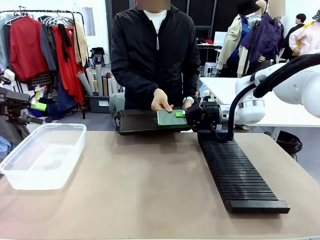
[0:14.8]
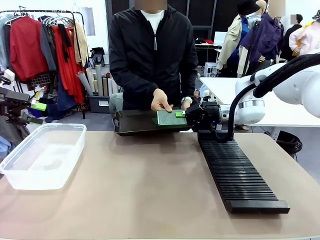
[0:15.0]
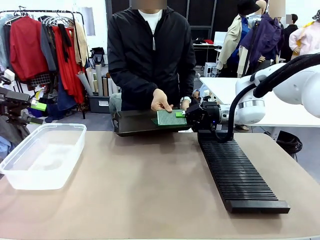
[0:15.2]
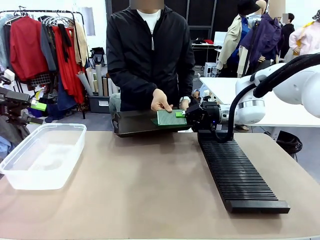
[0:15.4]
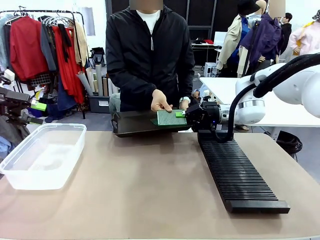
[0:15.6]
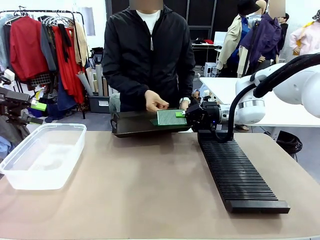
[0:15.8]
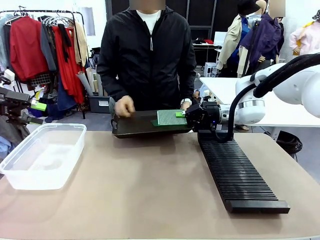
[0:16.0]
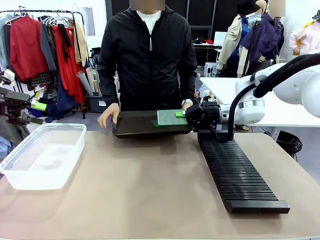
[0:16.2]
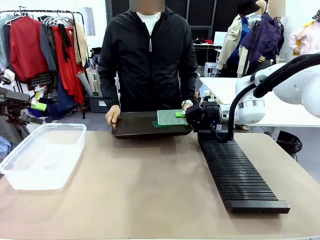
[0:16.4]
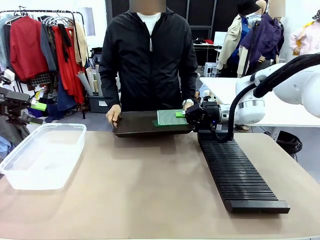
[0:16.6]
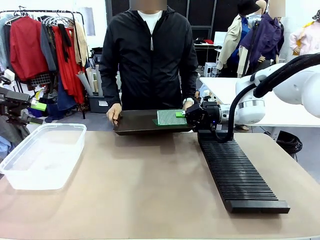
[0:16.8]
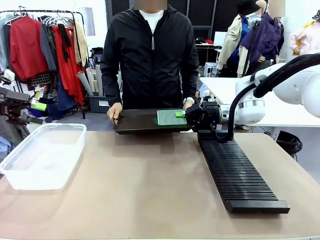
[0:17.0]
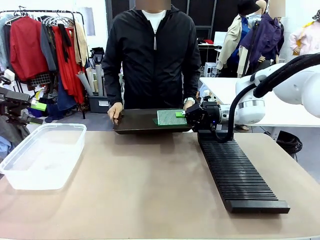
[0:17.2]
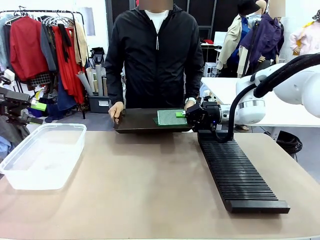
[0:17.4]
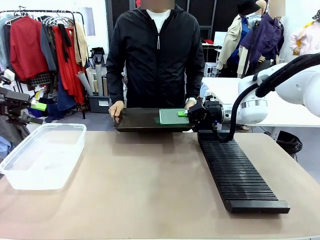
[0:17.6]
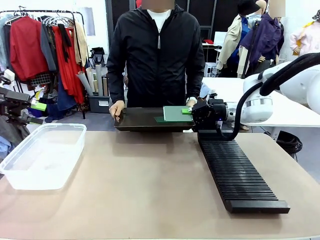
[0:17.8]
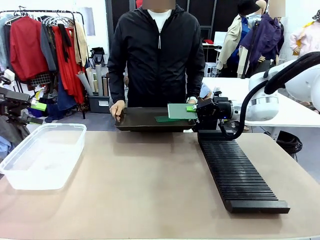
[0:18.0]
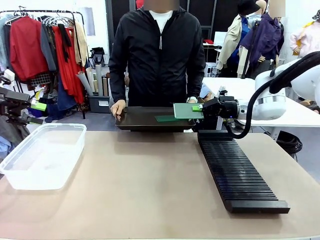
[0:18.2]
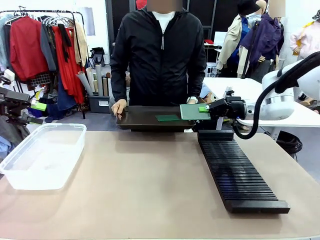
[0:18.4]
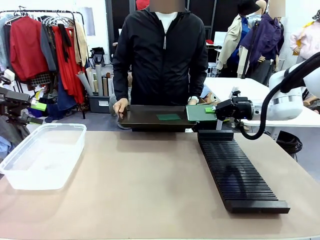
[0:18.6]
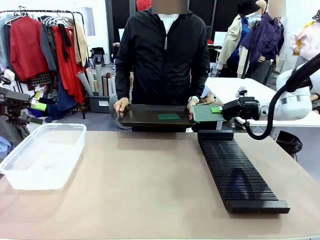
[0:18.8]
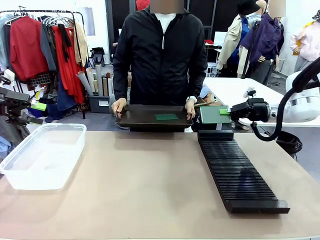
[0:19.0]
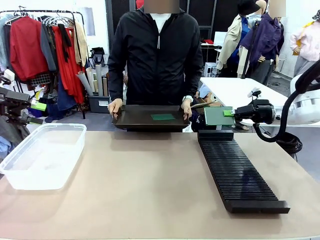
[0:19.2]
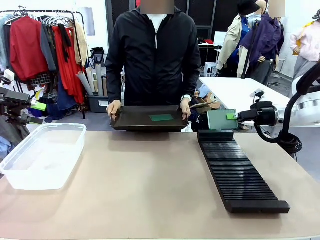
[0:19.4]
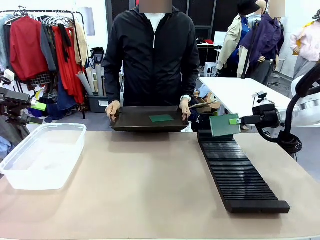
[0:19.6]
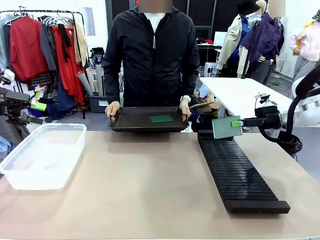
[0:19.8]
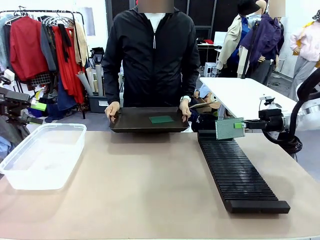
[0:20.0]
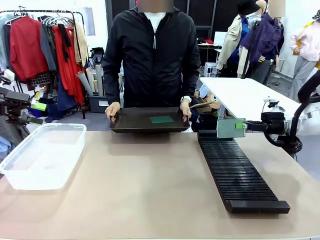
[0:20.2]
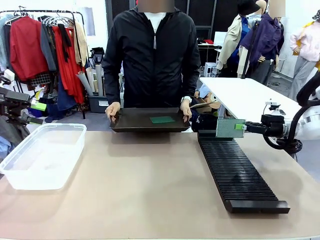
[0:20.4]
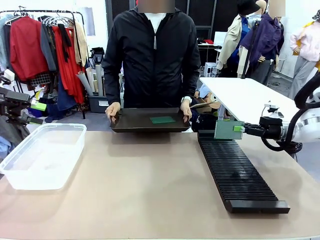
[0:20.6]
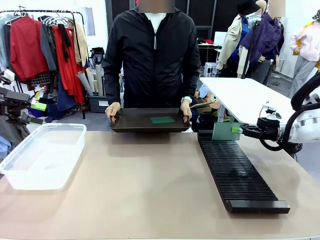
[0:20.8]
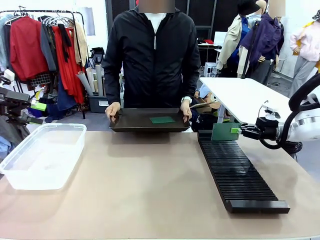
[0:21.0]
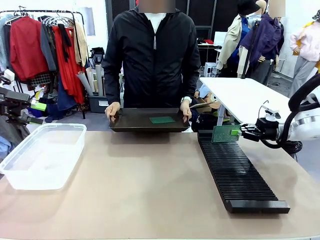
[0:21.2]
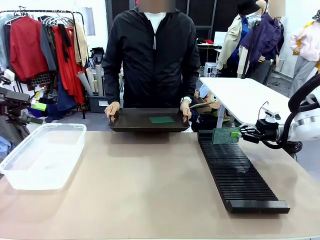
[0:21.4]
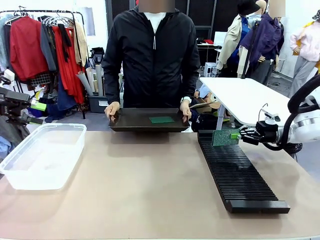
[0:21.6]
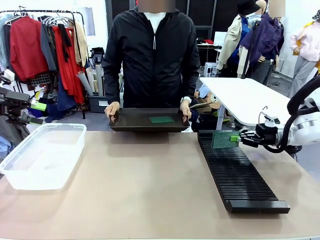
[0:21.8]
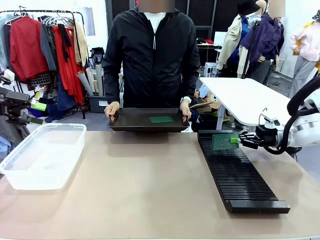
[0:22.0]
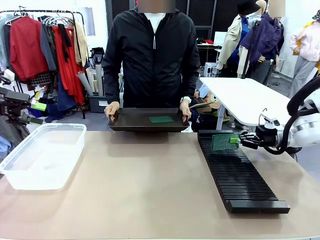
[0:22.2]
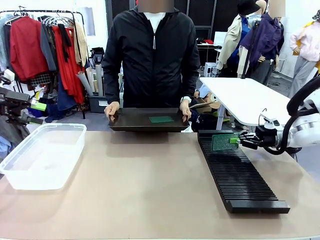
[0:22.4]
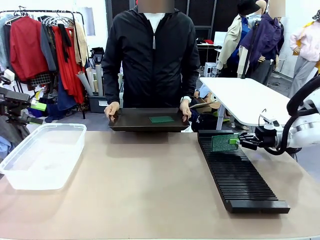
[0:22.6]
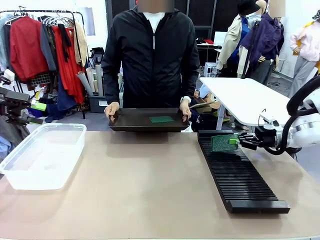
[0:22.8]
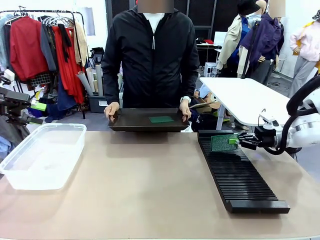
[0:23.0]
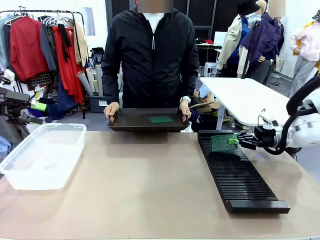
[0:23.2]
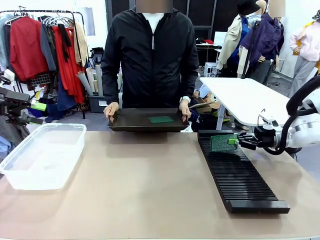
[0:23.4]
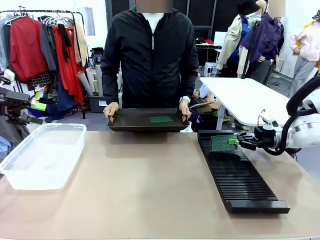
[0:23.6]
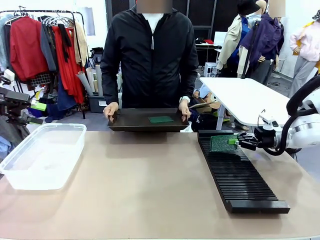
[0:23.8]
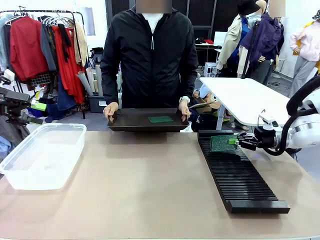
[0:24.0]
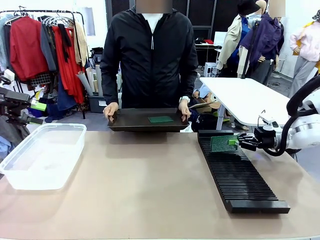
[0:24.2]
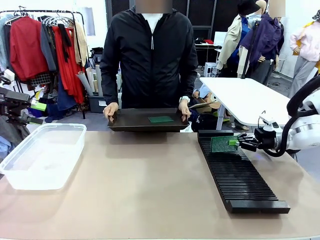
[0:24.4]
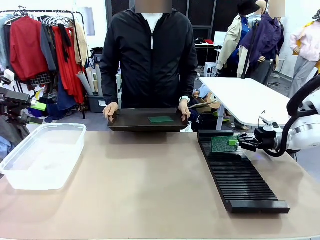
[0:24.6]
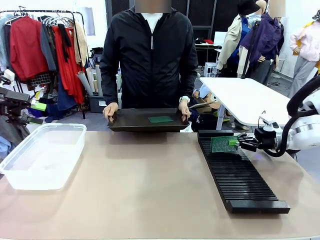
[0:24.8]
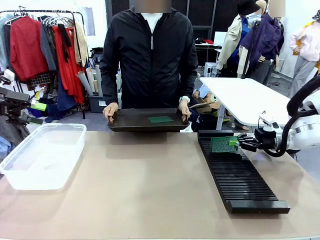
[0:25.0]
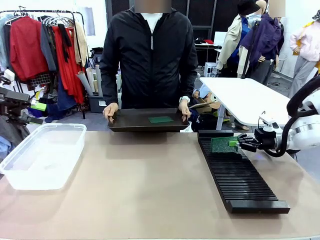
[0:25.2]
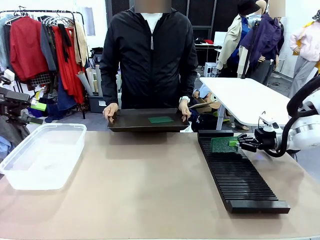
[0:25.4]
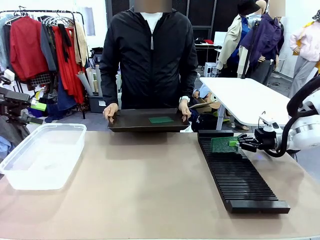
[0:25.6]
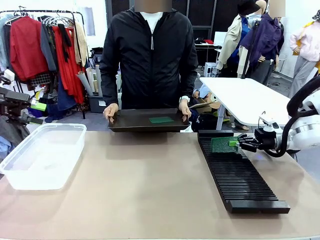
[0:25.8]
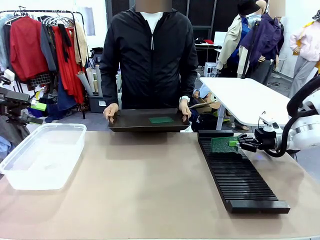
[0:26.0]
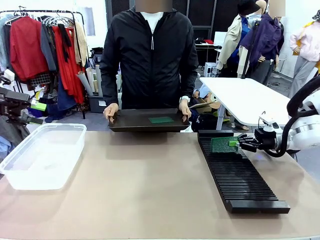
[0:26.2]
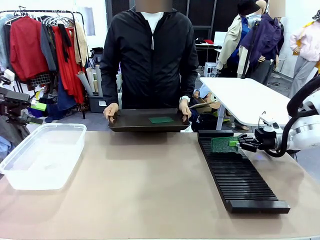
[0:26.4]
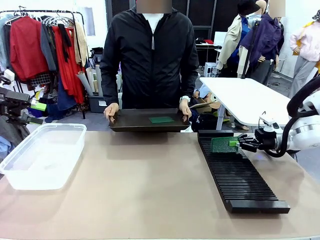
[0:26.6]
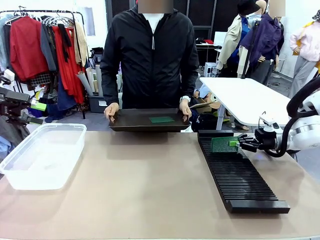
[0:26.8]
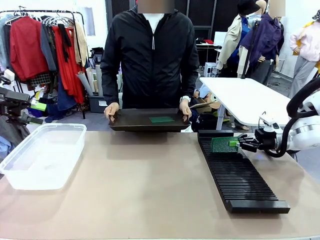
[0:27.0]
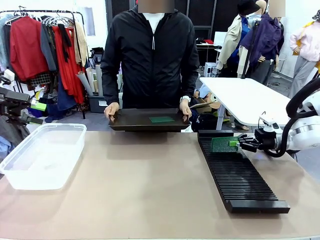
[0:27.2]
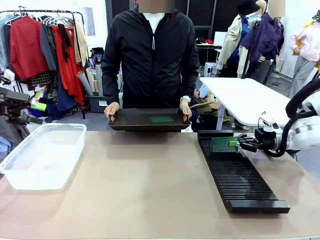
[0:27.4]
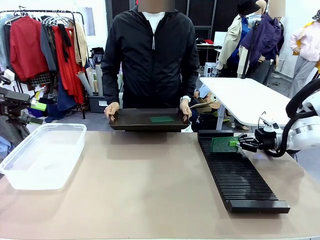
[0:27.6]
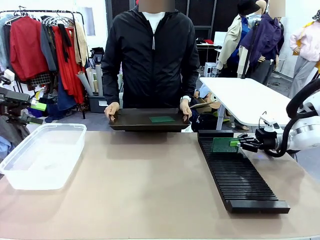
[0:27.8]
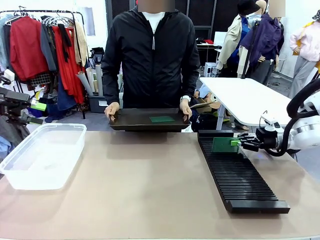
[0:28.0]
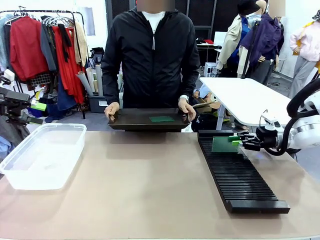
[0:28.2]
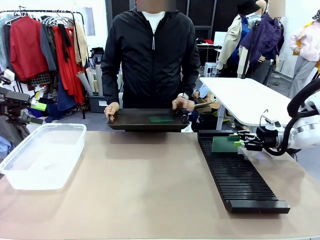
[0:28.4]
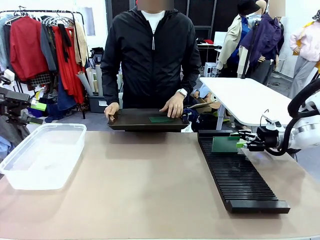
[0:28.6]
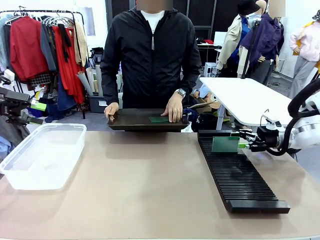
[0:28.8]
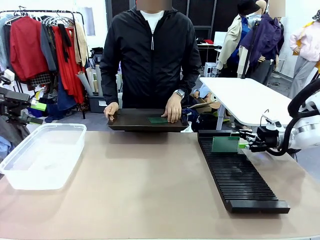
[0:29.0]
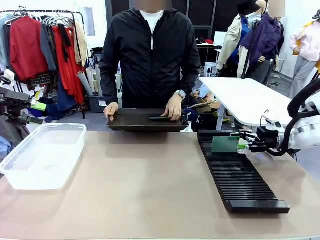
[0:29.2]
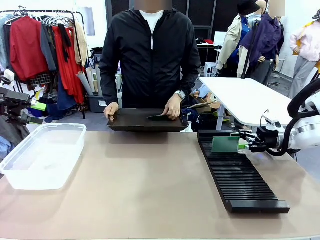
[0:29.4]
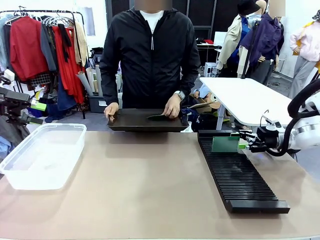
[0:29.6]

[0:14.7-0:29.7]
Task: Sort PCBs into racks and boxes based on the side picked up.
Robot: If the short side of the Blank PCB is picked up, insert it into the PCB Rack ; if the long side is picked up, place it in the Organizing box.
Person: Pick one PCB from the tray and present it to the robot.
